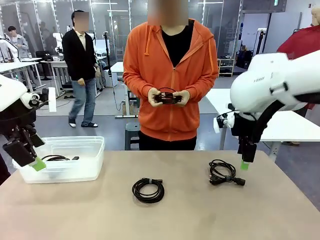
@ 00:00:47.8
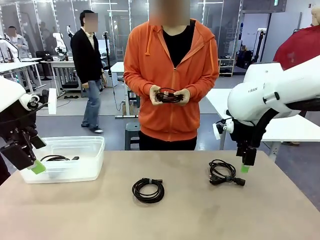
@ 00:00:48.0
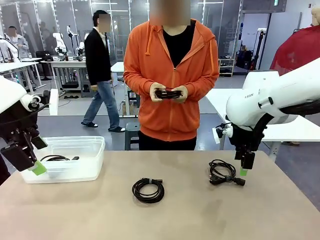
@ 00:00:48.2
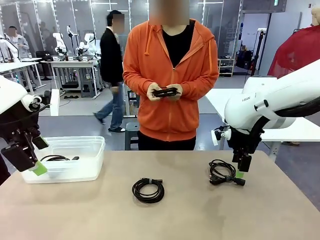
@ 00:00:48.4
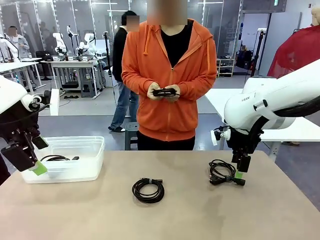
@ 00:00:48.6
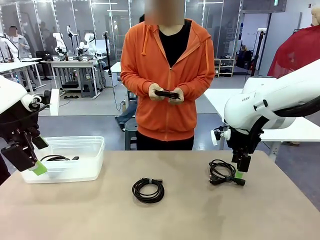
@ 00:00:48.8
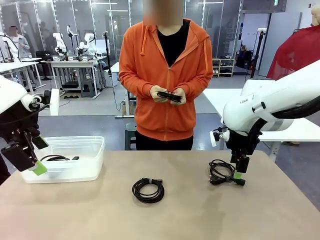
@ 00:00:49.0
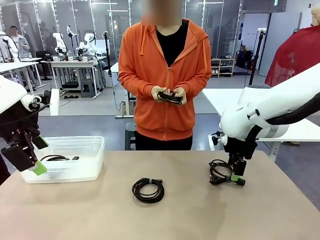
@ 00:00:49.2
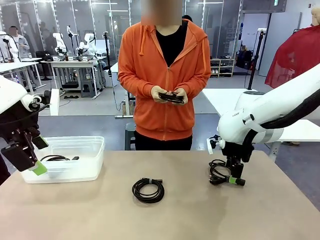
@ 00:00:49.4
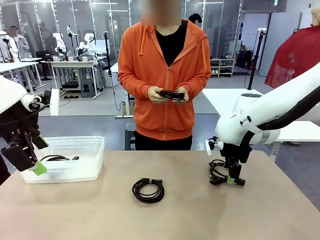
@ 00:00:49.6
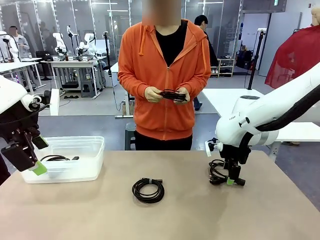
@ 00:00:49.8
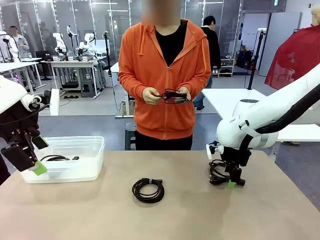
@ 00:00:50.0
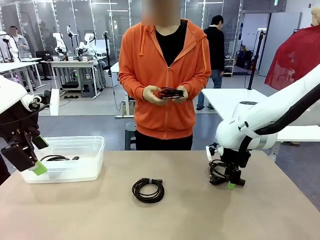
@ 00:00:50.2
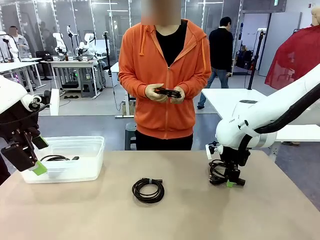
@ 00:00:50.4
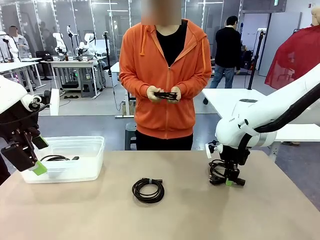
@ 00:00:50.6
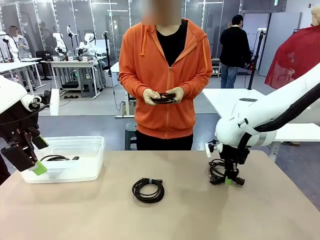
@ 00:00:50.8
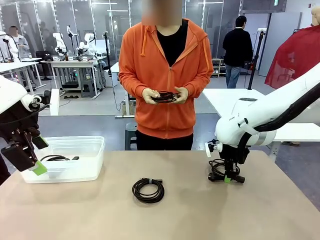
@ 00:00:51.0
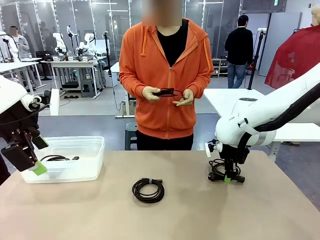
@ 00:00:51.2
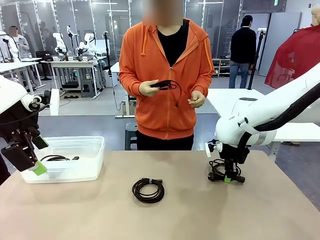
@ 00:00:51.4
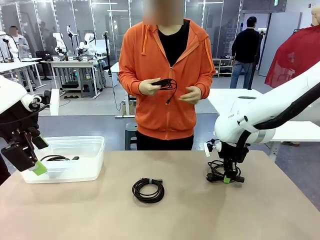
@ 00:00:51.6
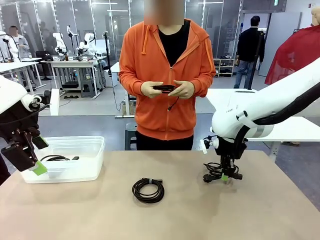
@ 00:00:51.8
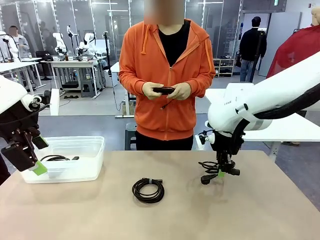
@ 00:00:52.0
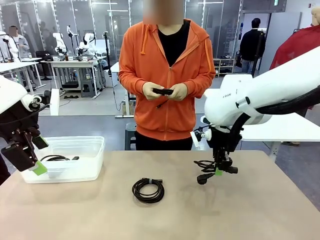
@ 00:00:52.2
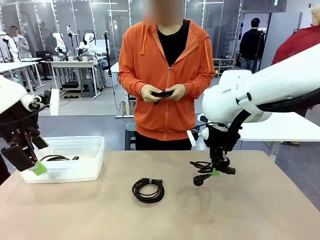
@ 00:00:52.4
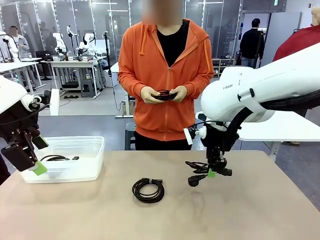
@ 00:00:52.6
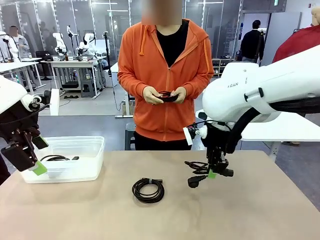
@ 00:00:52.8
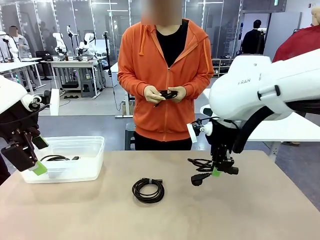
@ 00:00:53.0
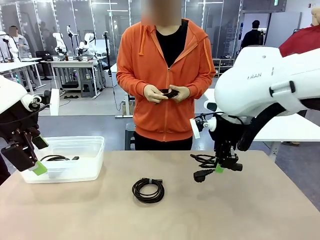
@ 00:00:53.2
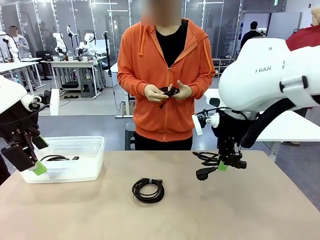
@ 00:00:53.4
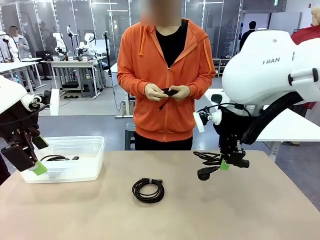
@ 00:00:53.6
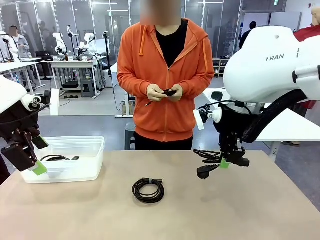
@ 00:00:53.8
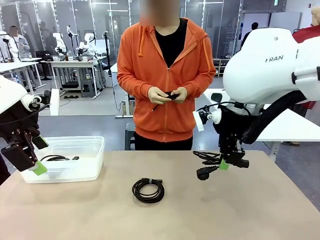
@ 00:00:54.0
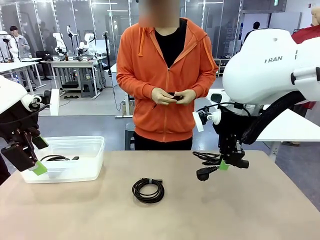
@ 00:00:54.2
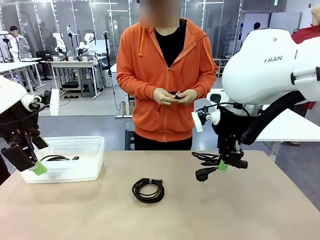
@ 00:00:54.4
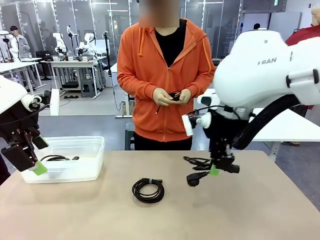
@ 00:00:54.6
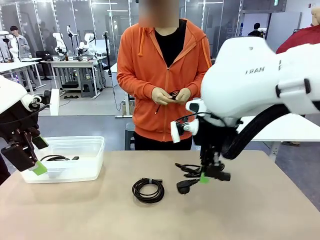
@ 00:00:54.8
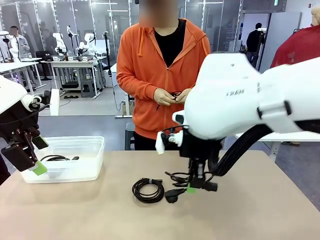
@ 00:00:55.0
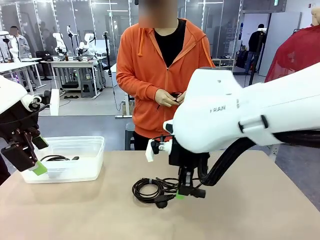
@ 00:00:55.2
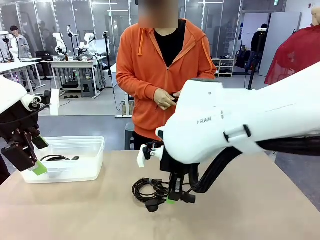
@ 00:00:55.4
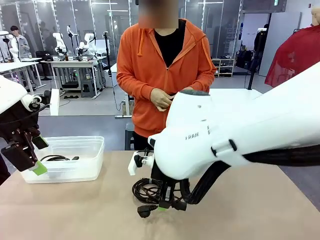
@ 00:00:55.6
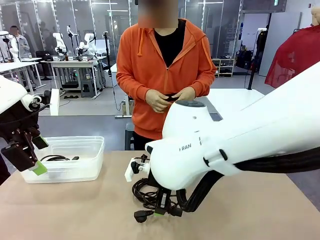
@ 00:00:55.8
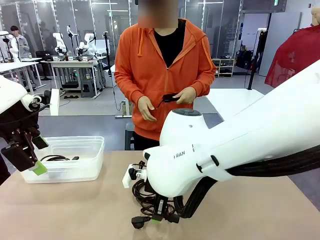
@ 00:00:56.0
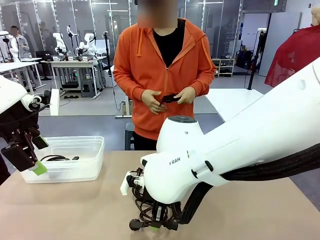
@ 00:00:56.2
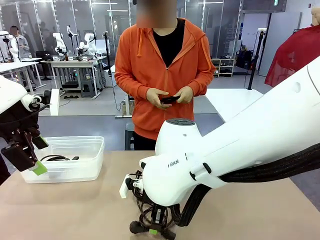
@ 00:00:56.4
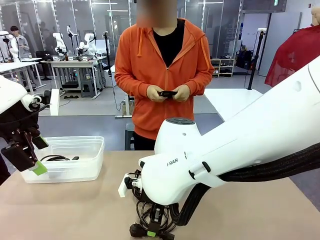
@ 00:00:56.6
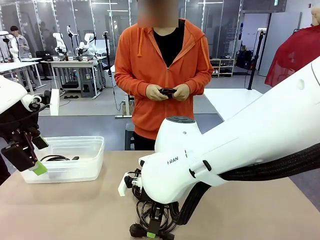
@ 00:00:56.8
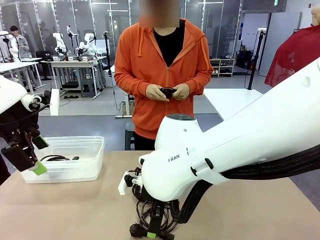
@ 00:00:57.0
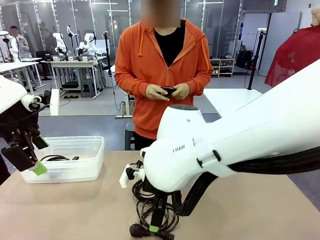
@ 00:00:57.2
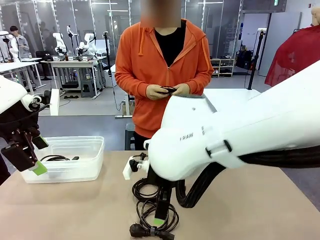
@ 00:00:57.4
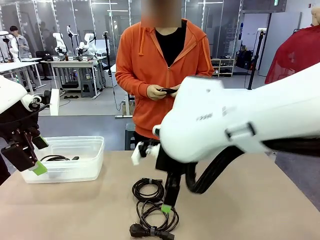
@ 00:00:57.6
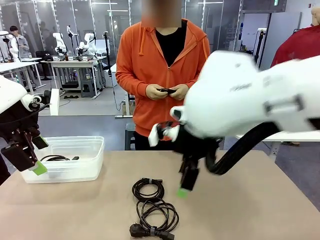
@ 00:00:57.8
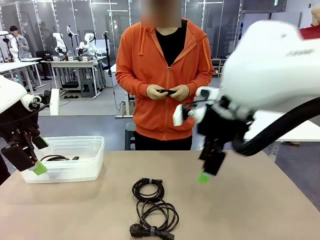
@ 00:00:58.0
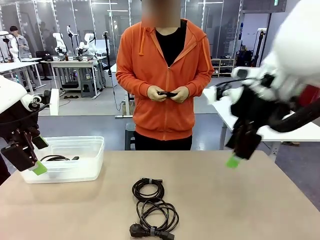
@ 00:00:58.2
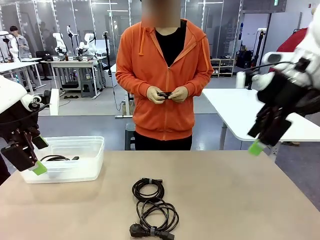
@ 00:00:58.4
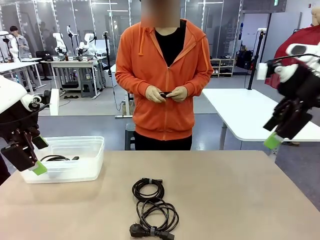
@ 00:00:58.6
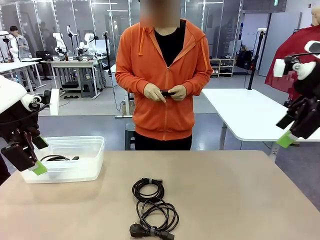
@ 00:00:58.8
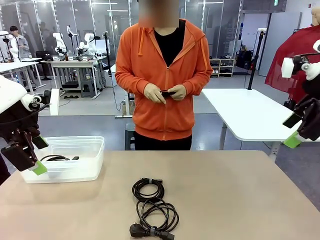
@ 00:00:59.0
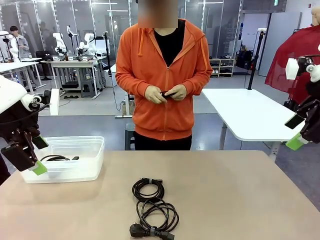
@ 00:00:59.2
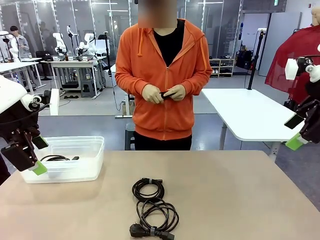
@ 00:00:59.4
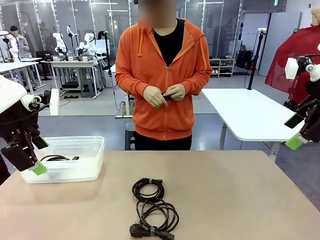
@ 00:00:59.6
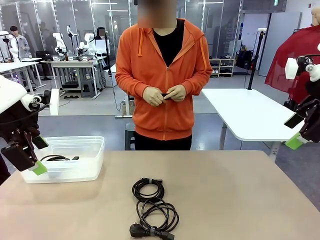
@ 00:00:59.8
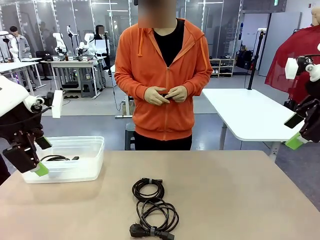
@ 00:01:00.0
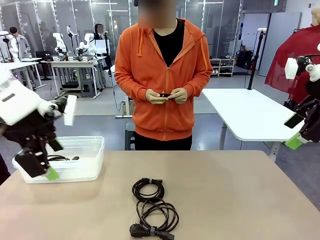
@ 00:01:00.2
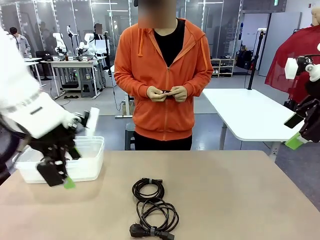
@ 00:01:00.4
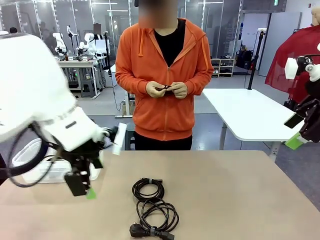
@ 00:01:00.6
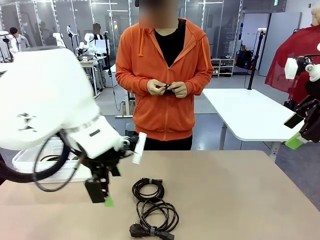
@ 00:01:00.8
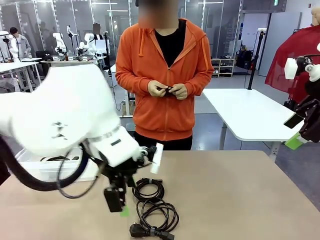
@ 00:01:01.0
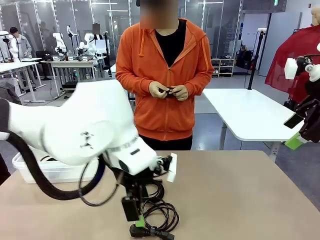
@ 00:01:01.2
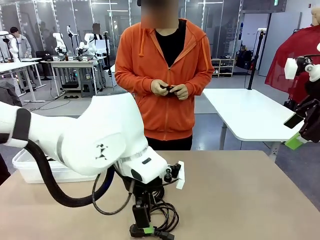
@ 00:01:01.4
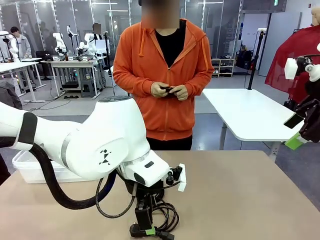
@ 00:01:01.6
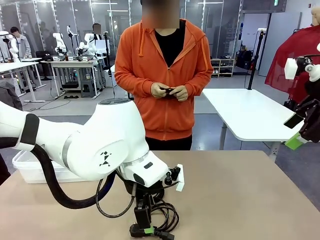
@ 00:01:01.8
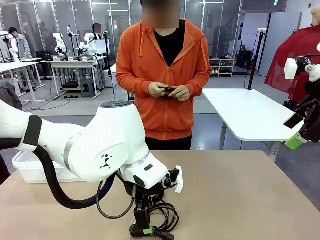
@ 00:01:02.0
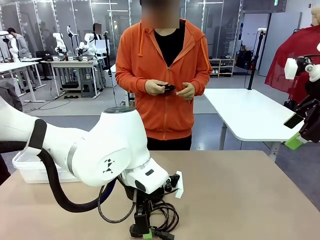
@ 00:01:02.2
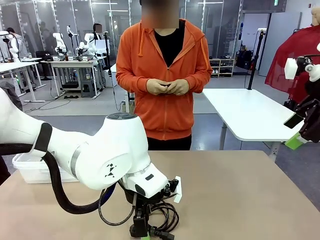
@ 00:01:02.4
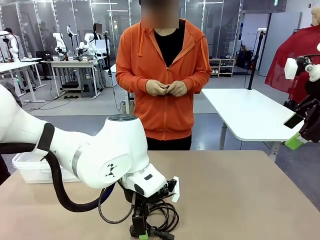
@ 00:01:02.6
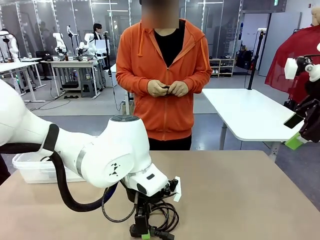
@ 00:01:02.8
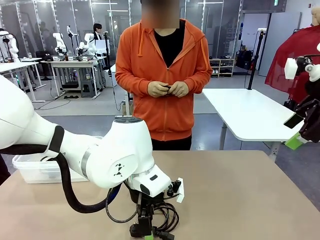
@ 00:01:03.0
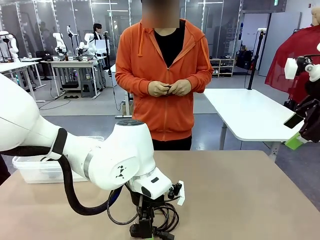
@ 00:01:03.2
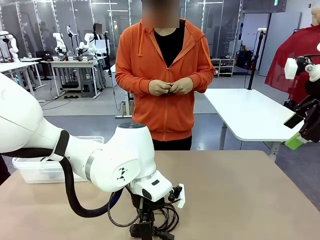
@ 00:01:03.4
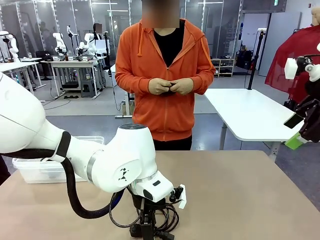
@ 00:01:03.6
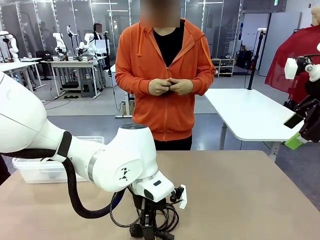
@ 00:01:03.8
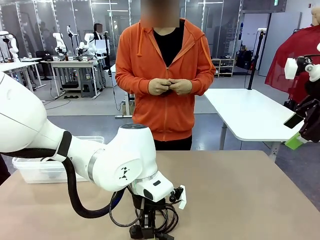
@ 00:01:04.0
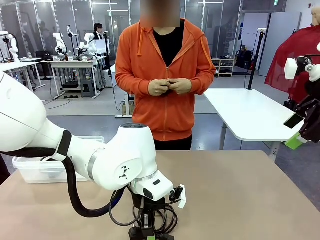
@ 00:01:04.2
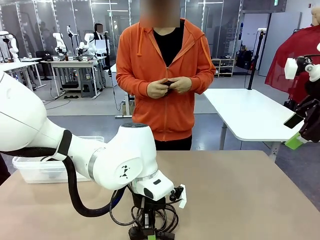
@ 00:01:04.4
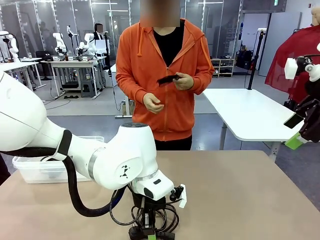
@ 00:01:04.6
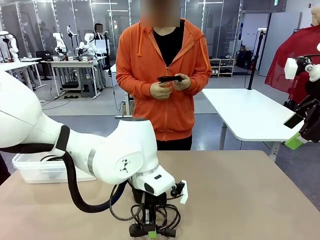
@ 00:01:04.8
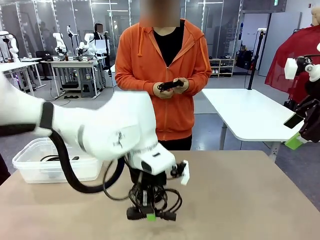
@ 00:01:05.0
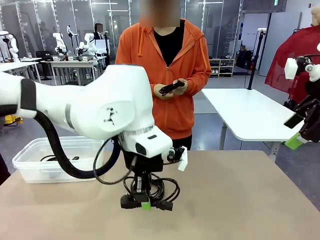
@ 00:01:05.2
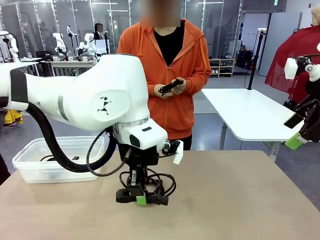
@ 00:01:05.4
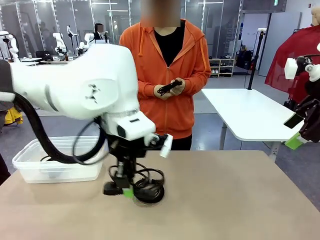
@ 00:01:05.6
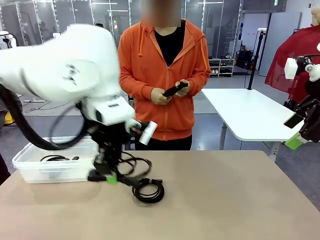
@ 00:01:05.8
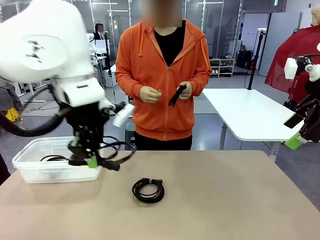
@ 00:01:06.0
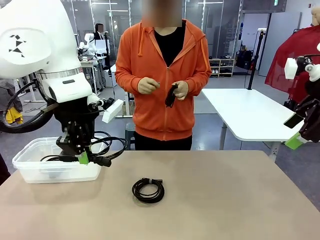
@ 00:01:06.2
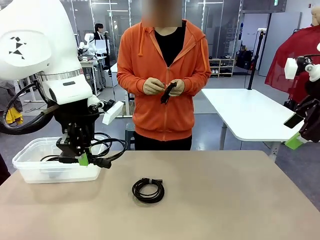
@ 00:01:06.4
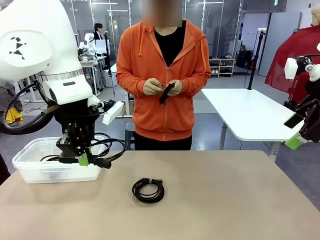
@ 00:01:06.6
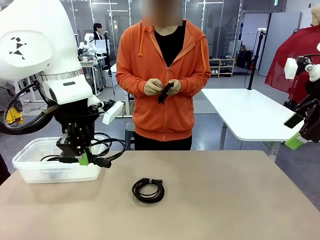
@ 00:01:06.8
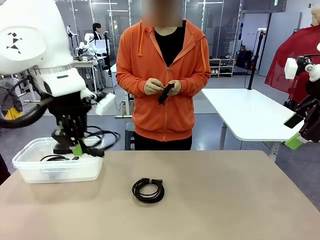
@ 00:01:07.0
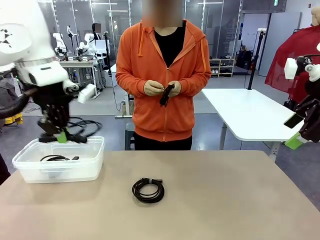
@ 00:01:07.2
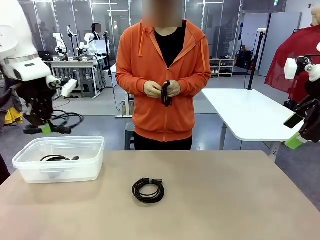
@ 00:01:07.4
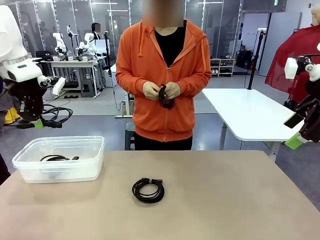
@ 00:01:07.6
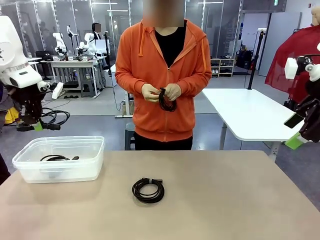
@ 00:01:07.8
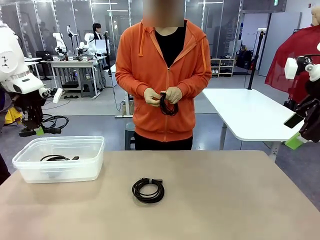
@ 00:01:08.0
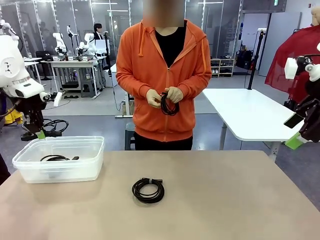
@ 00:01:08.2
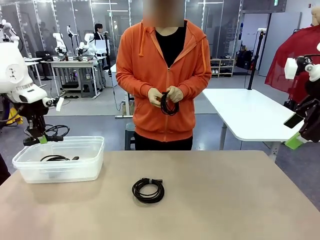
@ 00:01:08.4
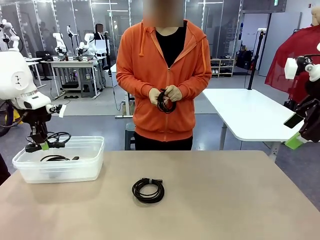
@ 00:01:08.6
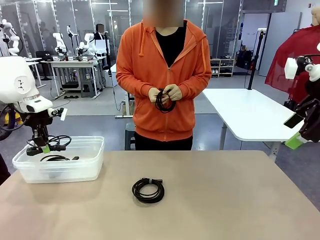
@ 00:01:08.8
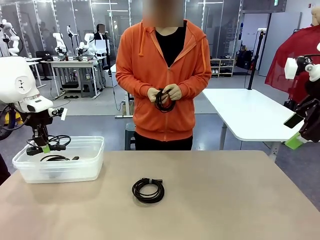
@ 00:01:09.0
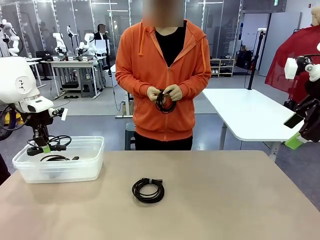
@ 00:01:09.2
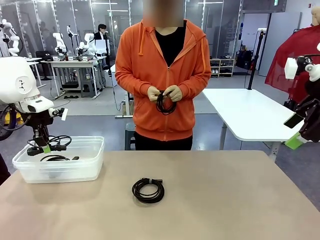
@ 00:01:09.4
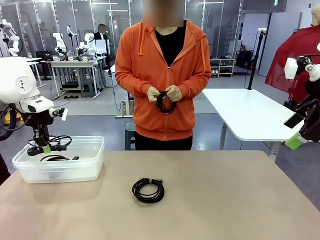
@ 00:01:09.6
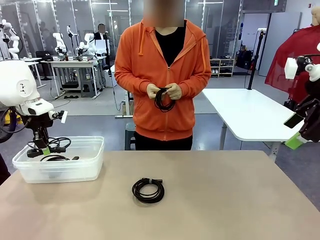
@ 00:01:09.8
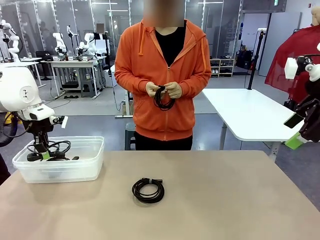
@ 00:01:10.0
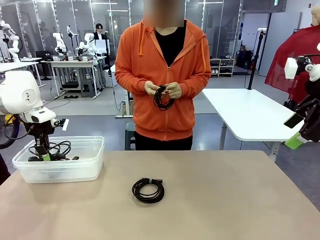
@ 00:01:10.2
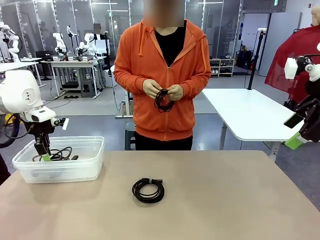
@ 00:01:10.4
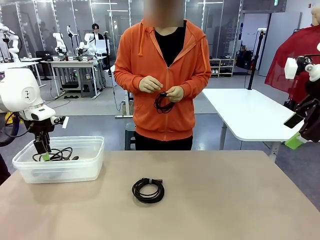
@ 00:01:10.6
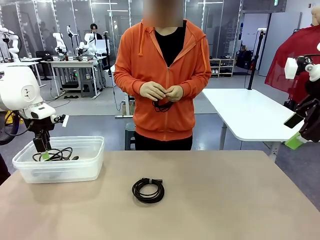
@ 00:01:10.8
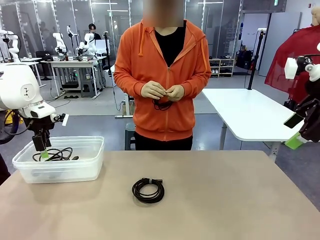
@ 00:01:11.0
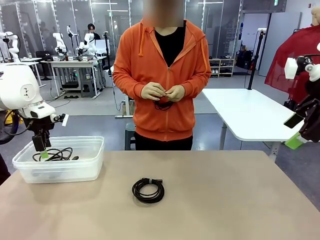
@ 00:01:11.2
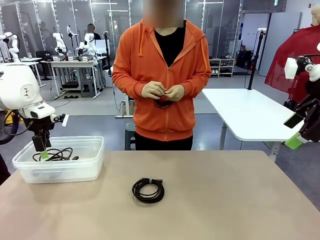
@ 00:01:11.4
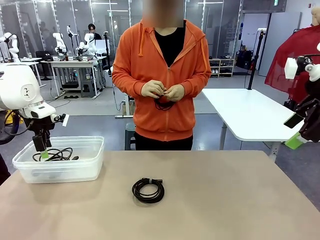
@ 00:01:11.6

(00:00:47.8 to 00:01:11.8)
Task: Organize and store the cables.
Robot: Place the Power Cable into the Organizing box.
